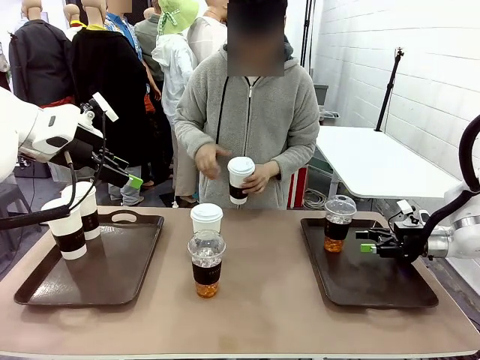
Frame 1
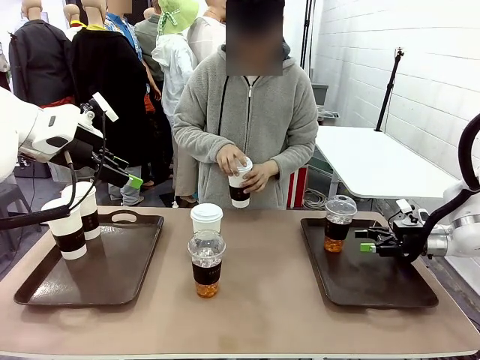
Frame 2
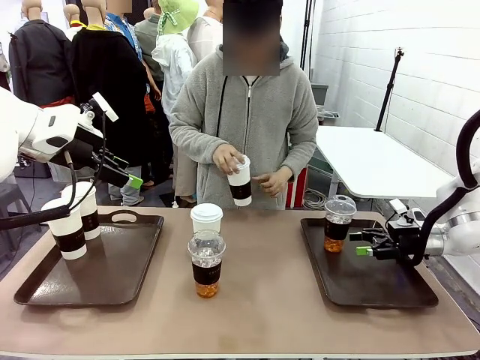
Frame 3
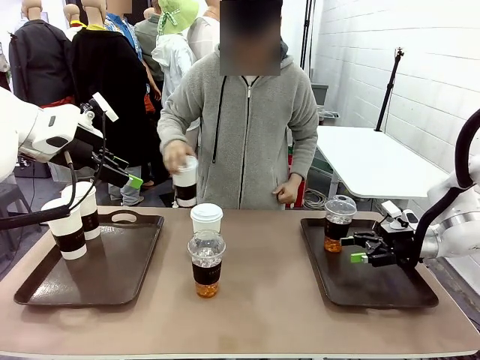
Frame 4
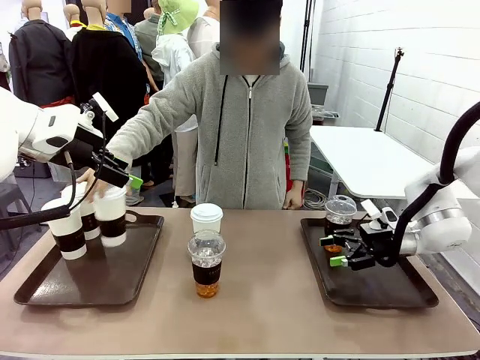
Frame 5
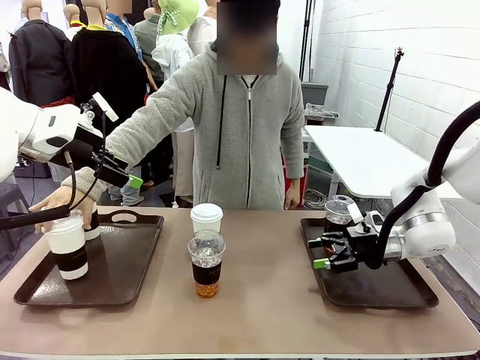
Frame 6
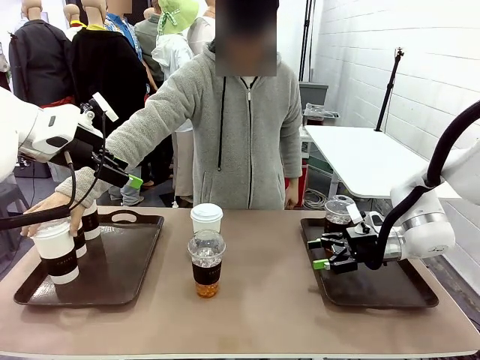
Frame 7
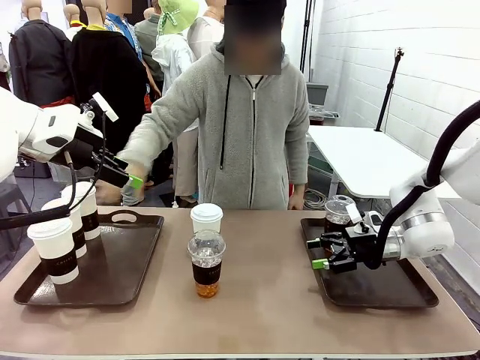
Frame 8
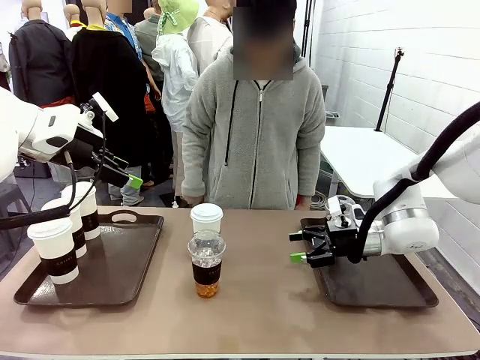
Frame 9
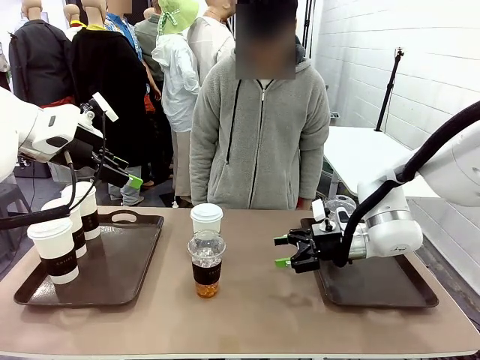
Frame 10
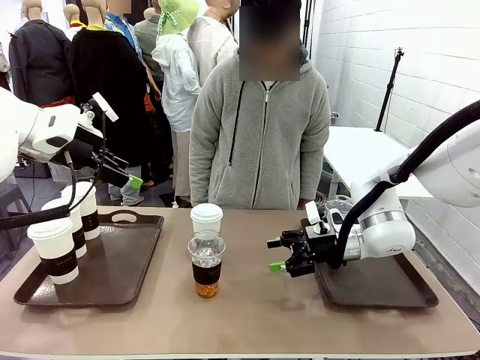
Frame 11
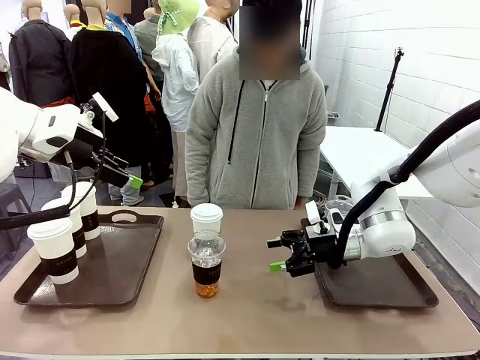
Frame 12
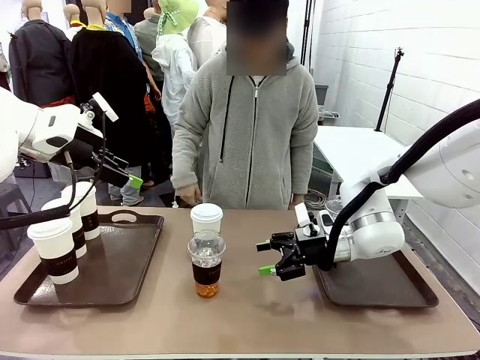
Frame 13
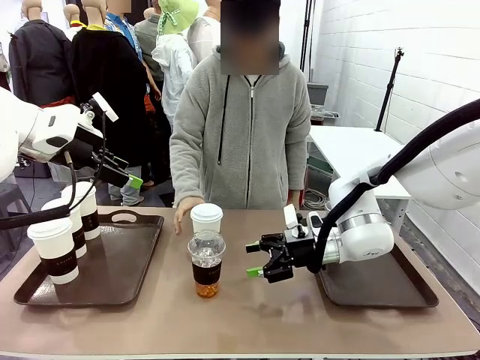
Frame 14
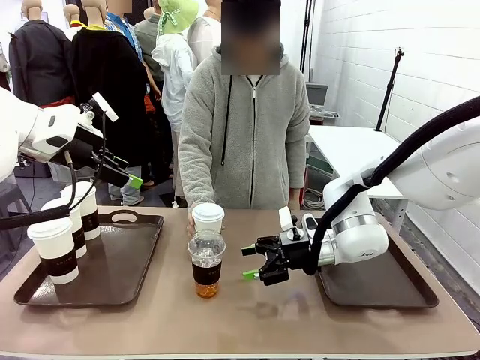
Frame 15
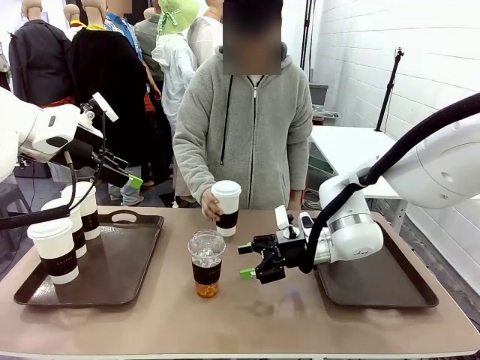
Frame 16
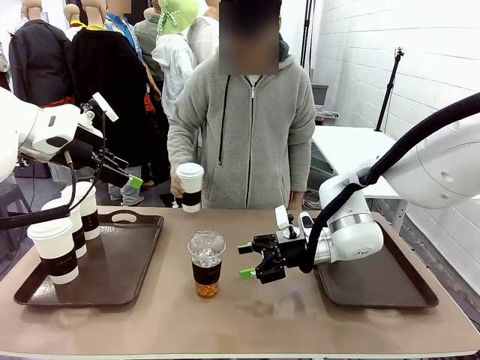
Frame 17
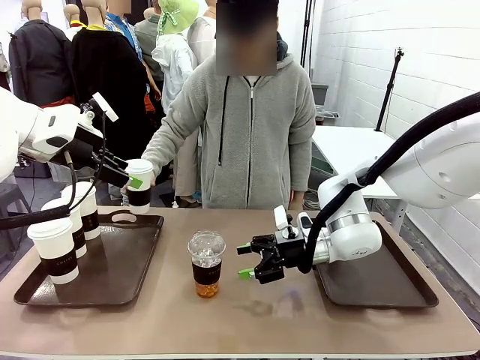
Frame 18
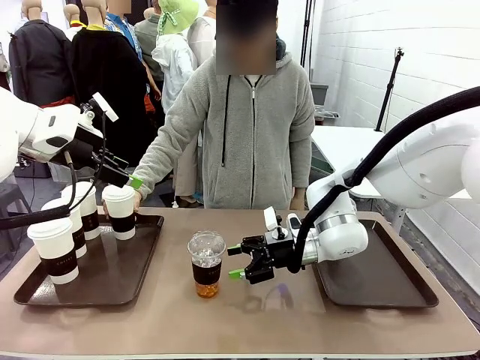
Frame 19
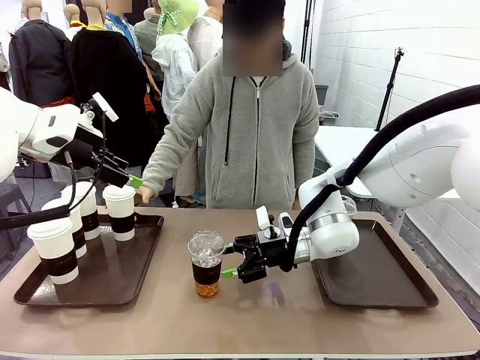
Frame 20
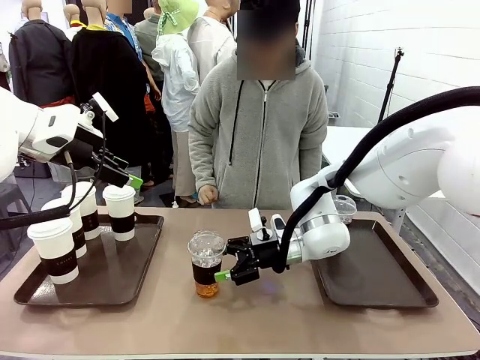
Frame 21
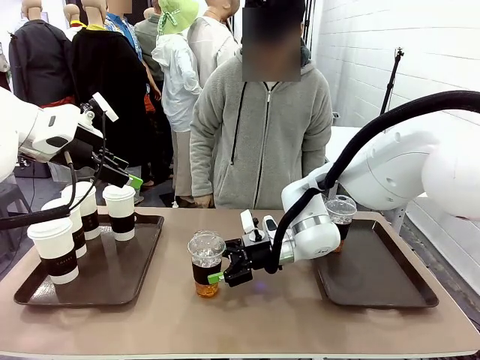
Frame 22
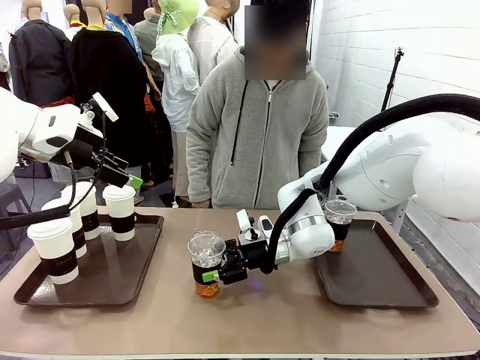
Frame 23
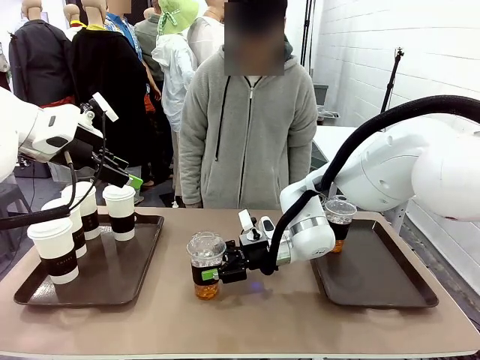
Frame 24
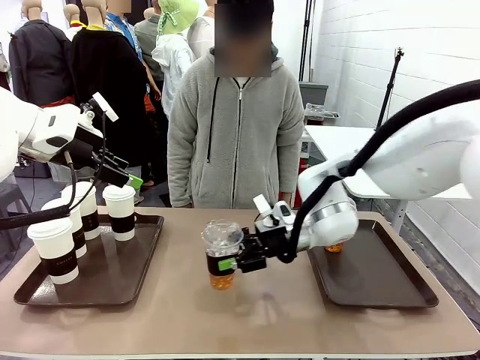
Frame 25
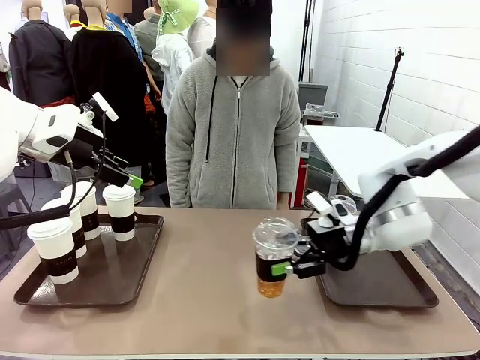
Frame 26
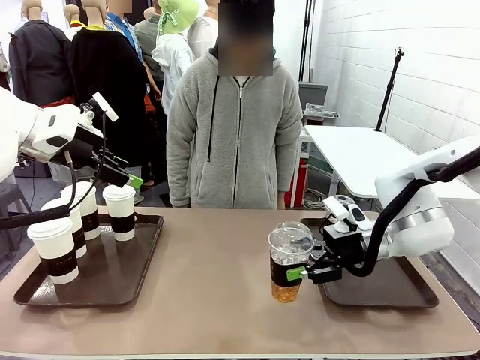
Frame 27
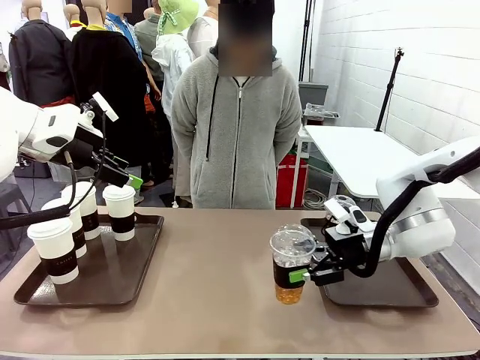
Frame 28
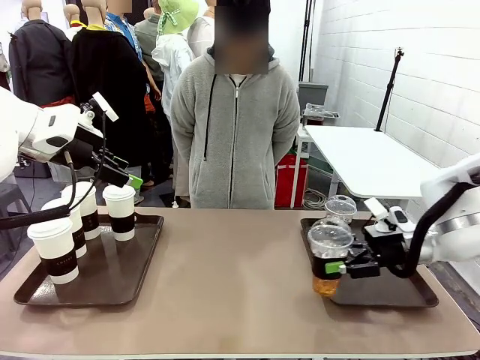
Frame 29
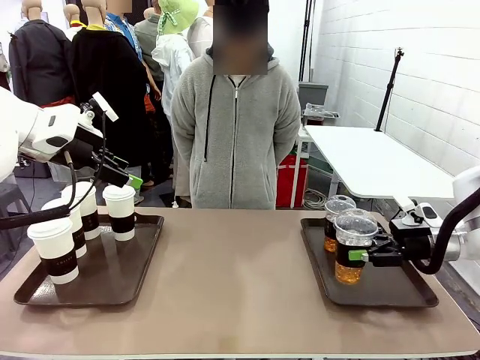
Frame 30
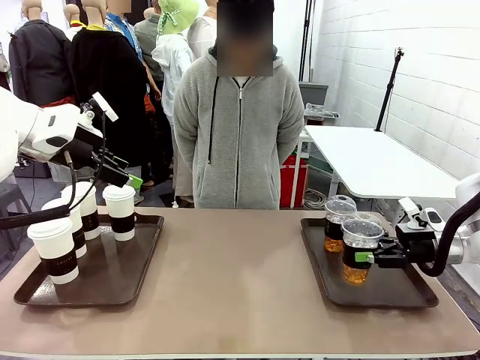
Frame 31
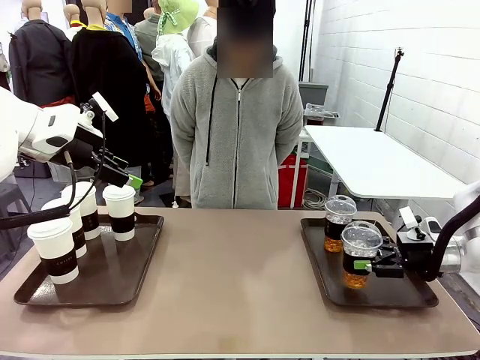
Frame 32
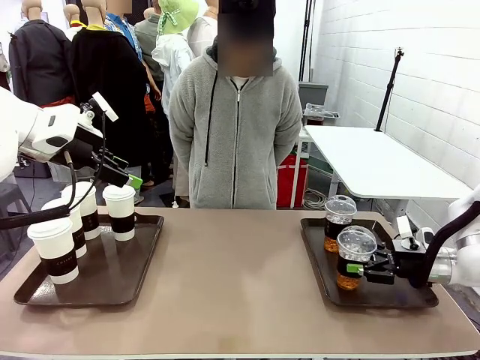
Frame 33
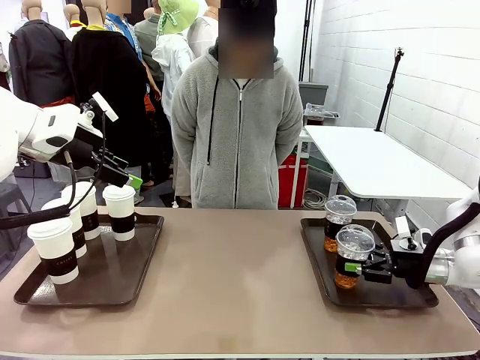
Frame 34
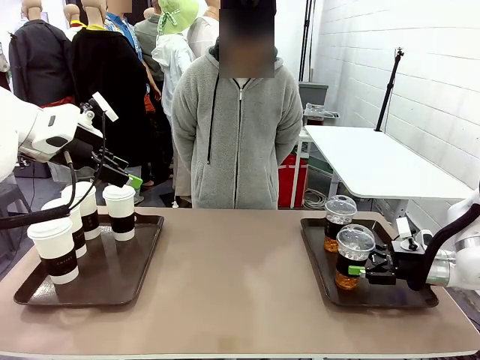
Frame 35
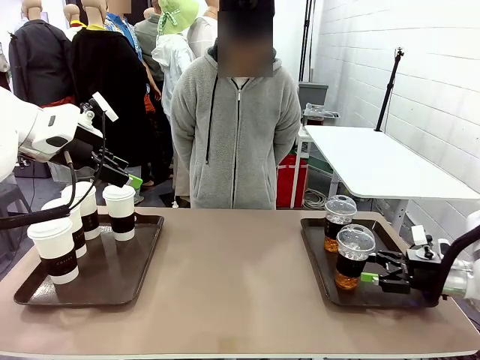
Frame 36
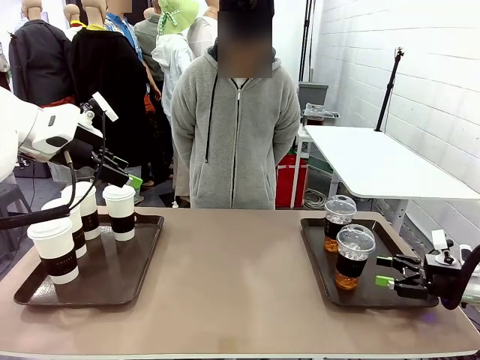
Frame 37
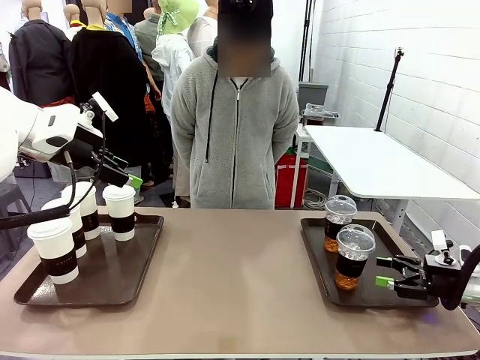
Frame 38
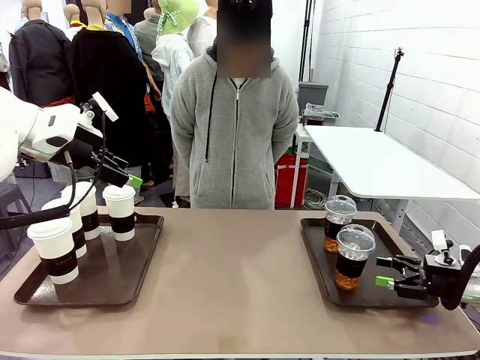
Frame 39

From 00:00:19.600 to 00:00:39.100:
Task: Distribute the coffee onto the tray.
Robot: Pick up another iced Americano from the middle of the table and place it on the right Handle tray.
Person: Pick up a cup of hot Americano from the middle of the table and place it on the right tray.
